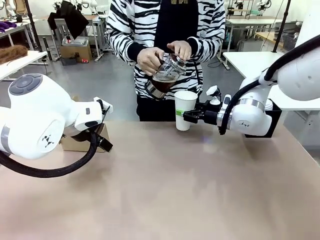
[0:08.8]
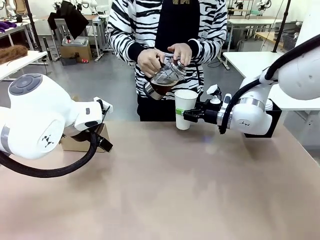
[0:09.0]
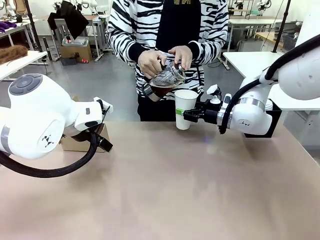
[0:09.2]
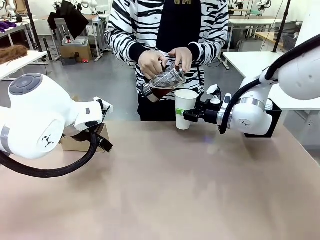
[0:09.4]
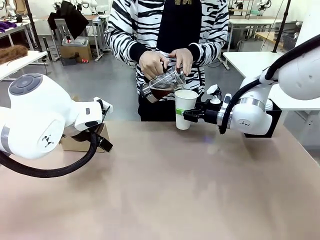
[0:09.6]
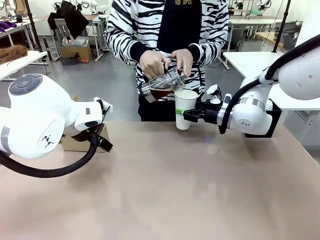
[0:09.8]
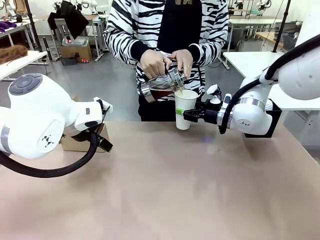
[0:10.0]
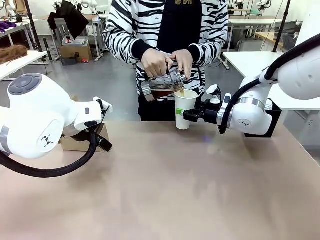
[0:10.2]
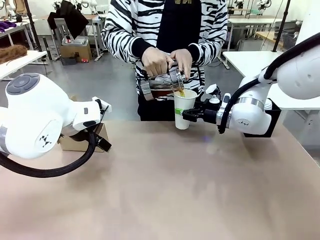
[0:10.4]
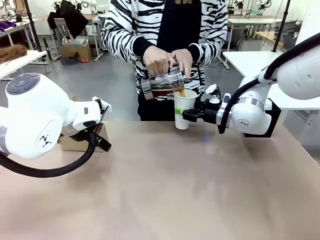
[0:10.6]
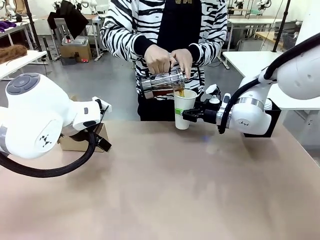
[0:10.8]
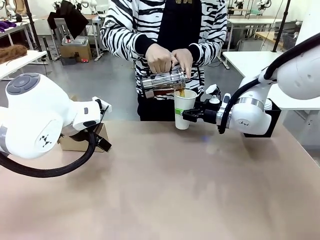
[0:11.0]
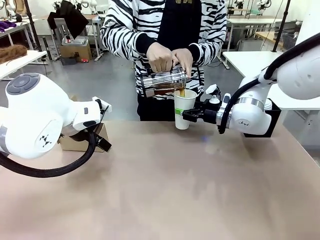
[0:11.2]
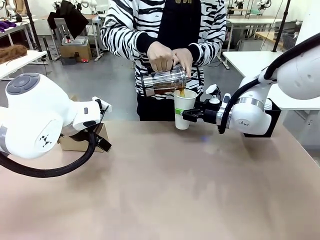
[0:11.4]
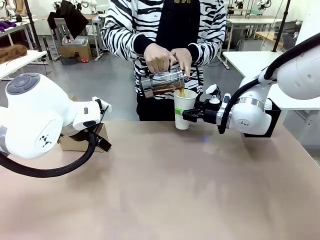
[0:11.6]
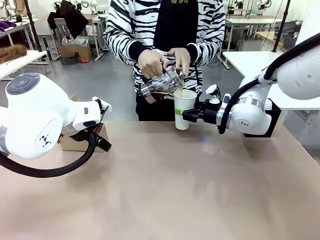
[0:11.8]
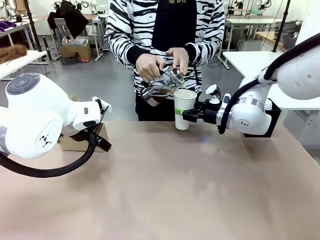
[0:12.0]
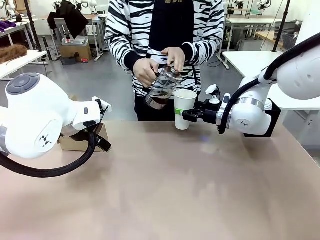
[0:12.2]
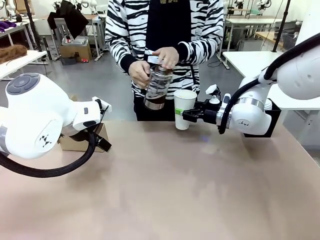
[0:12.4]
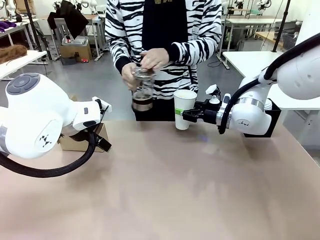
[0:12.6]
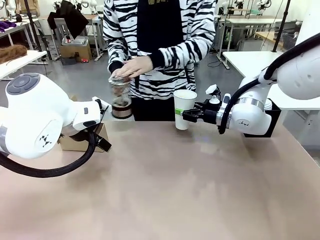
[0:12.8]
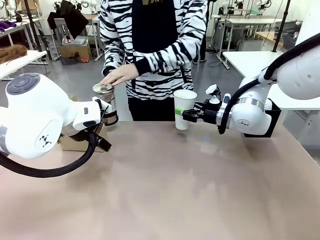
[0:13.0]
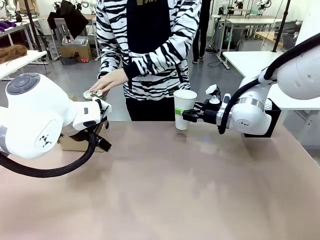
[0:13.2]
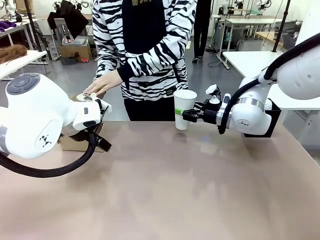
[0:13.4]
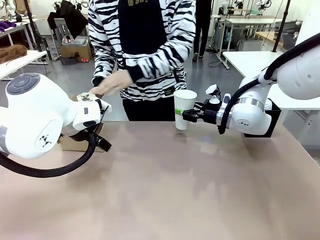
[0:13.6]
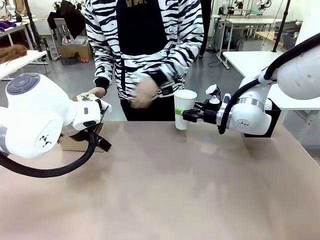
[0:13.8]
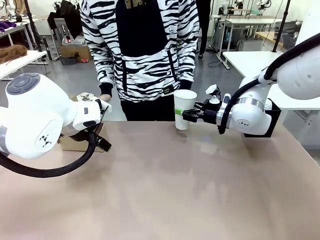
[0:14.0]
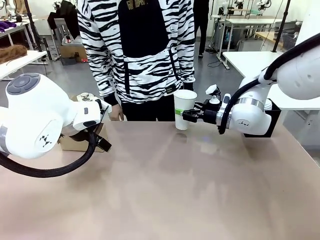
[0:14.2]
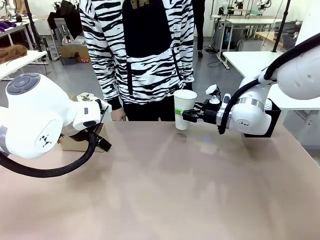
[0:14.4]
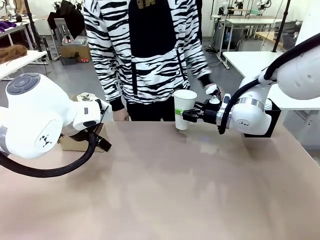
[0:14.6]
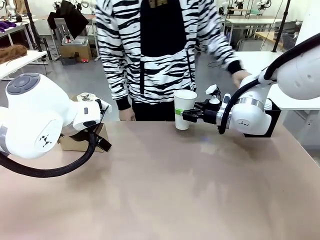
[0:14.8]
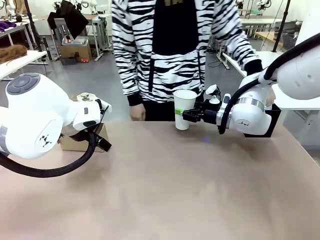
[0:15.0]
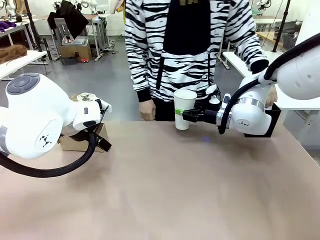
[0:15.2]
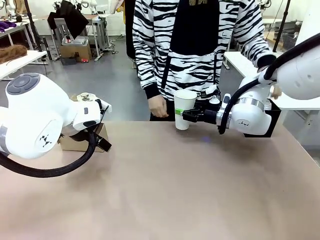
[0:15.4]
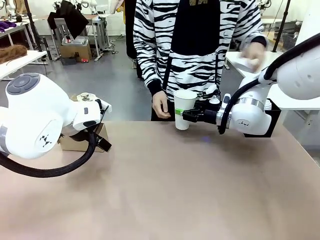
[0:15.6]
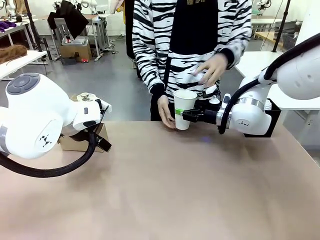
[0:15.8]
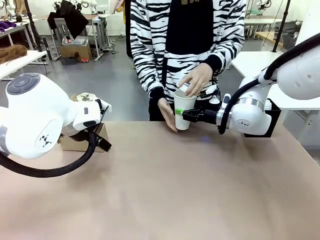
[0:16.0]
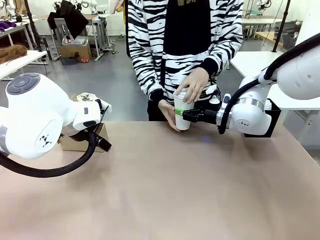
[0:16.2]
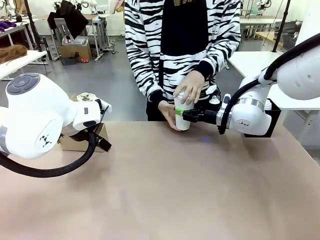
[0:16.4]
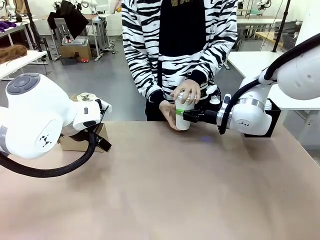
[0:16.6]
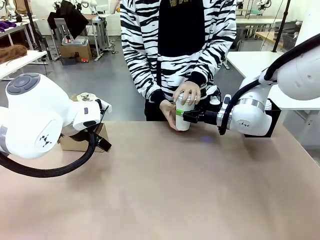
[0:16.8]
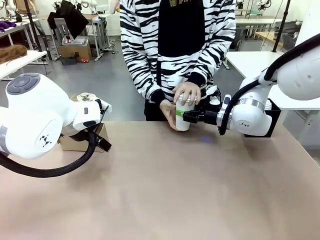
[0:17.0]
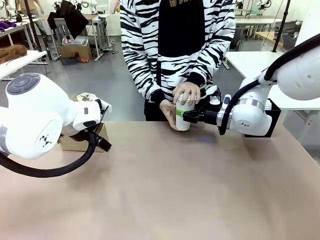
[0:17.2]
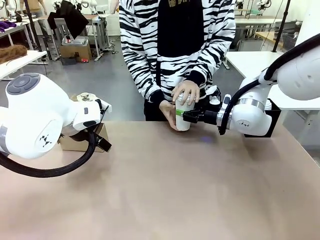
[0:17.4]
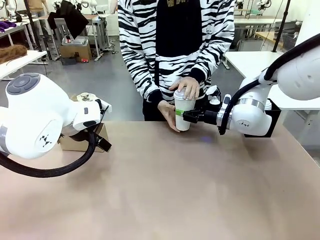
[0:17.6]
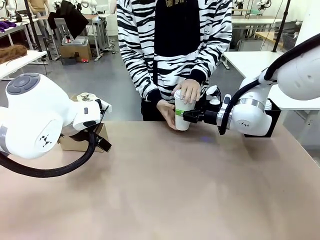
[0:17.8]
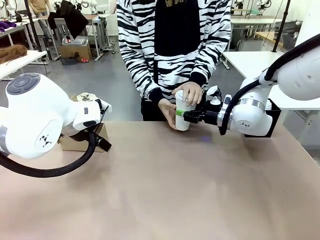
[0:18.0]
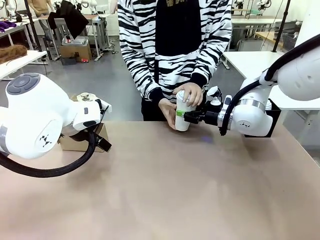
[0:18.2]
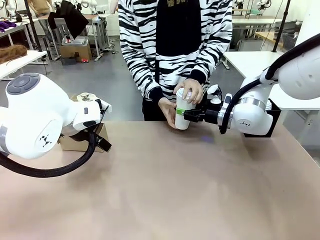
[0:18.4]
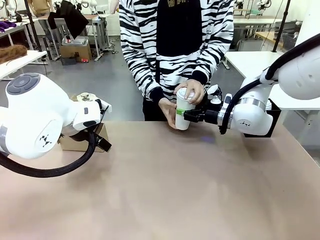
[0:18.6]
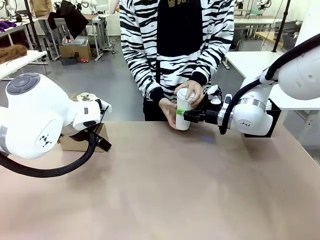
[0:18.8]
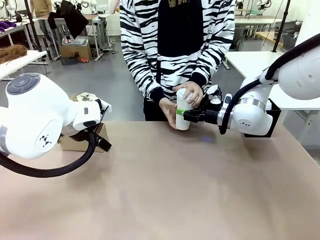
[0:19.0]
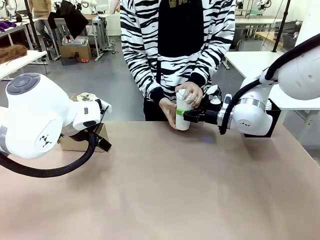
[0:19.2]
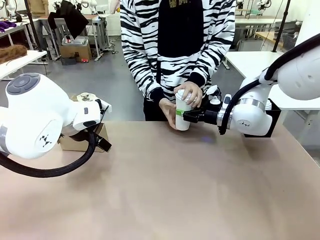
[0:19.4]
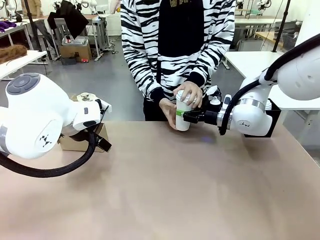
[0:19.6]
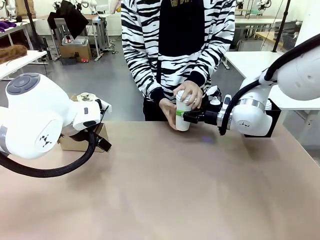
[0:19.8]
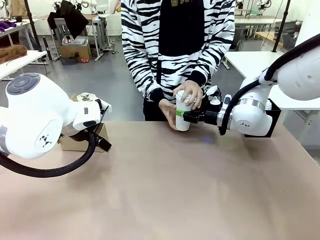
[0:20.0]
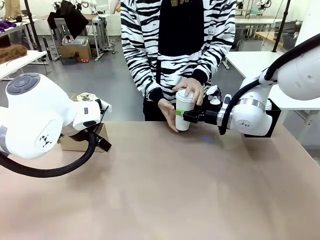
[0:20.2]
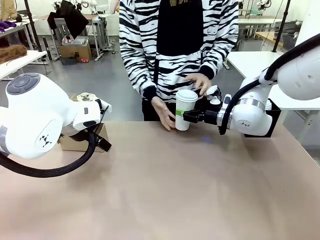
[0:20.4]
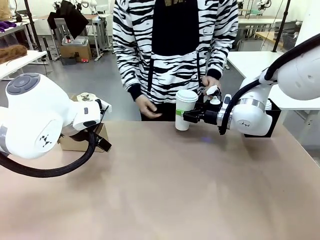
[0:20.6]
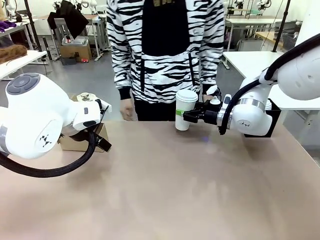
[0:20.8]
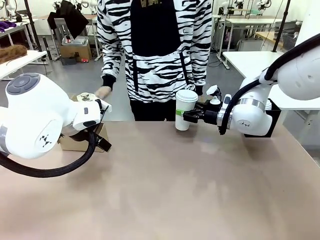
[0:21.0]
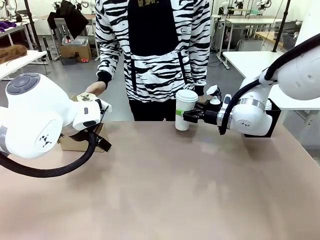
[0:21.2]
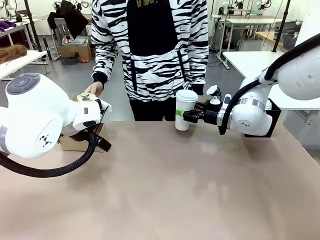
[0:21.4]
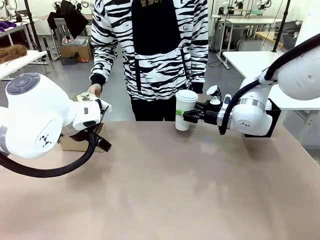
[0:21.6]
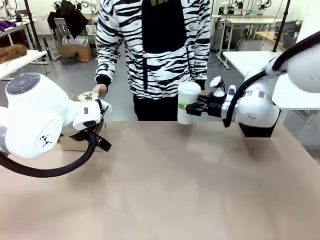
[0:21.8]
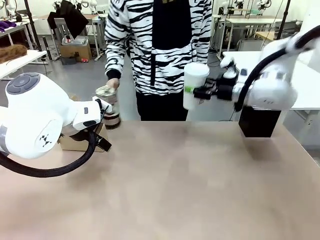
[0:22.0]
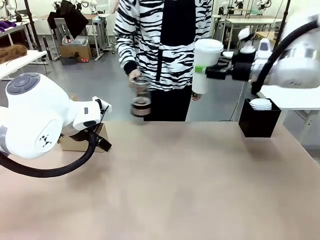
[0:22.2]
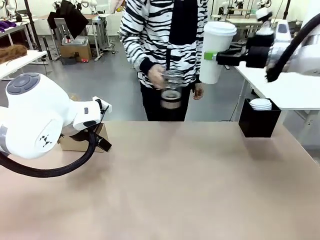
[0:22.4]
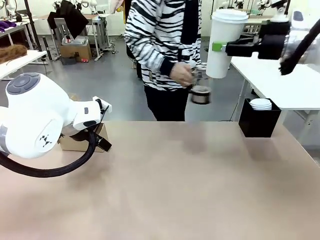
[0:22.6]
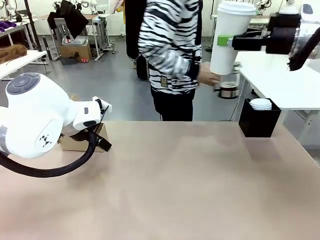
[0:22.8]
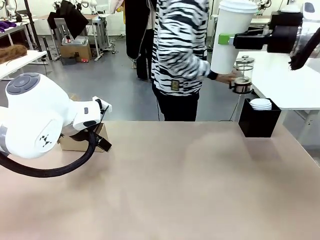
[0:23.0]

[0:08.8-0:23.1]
Task: Pour a drink into a cup and package it in a carrier.
Robot: When a person places the Paper Cup Lid on the 600 ml Paper Cup , lift the 600 ml Paper Cup.
Person: Pour the drink from the Filter Brewing into the 600 ml Paper Cup. Place a Paper Cup Lid on the 600 ml Paper Cup.

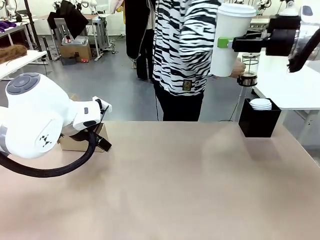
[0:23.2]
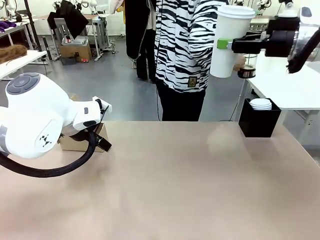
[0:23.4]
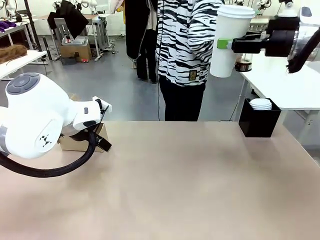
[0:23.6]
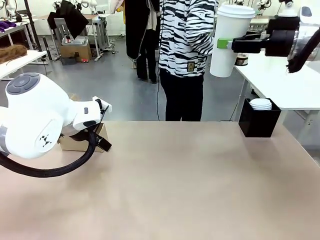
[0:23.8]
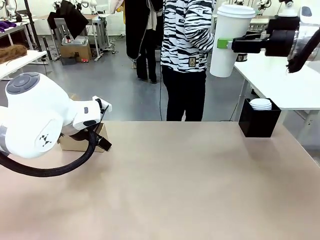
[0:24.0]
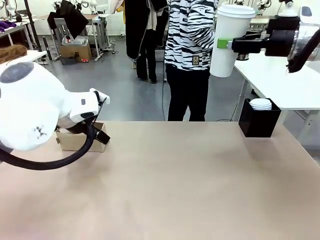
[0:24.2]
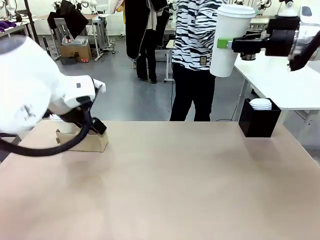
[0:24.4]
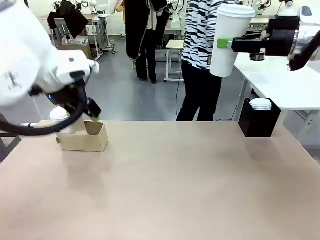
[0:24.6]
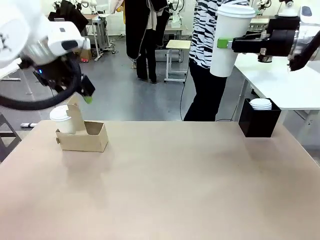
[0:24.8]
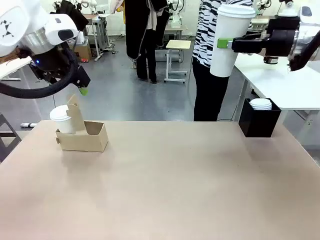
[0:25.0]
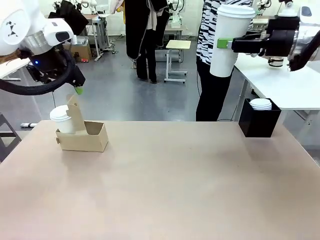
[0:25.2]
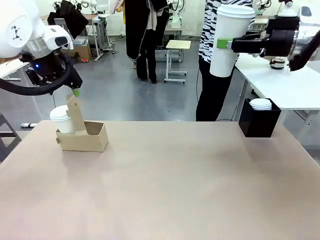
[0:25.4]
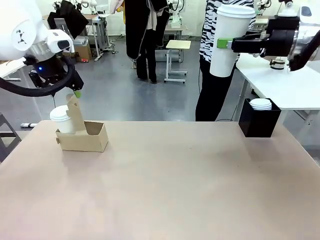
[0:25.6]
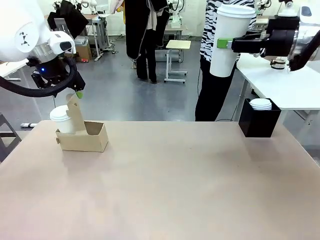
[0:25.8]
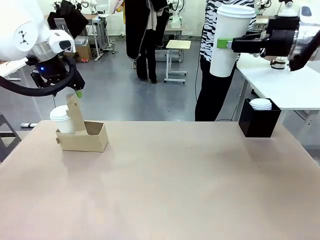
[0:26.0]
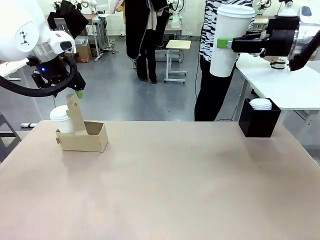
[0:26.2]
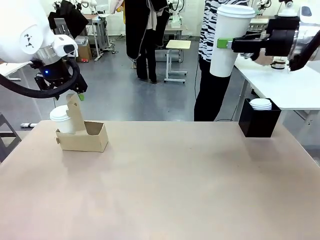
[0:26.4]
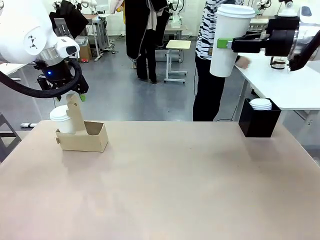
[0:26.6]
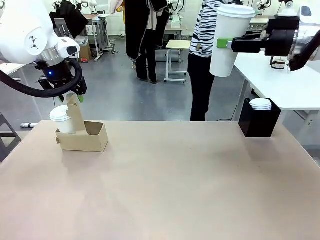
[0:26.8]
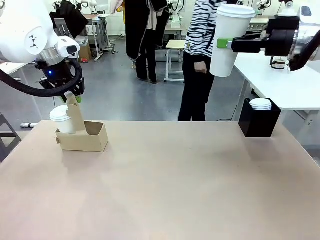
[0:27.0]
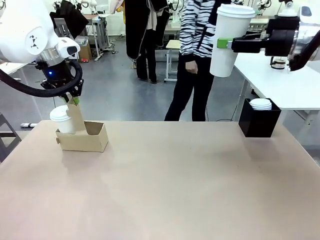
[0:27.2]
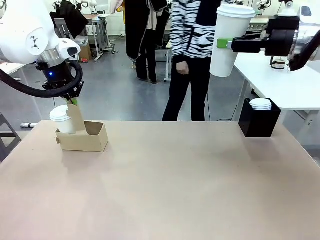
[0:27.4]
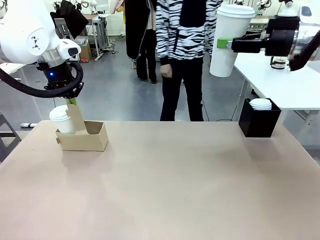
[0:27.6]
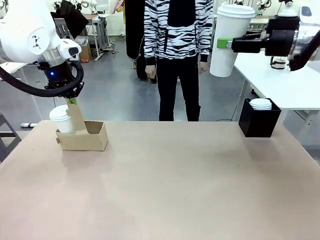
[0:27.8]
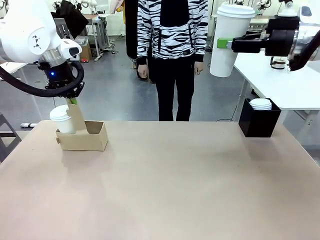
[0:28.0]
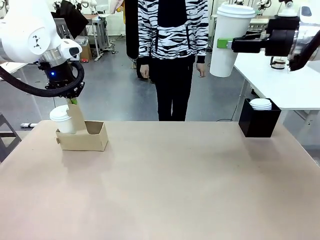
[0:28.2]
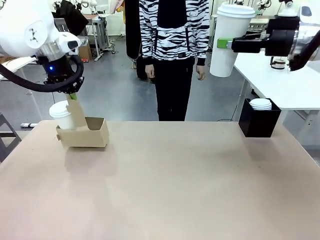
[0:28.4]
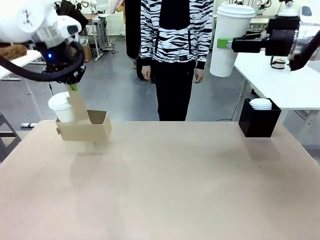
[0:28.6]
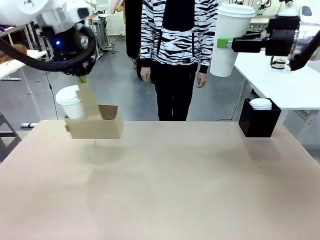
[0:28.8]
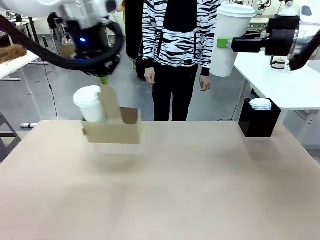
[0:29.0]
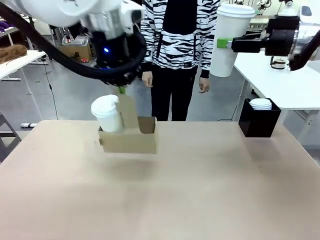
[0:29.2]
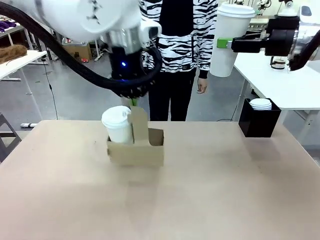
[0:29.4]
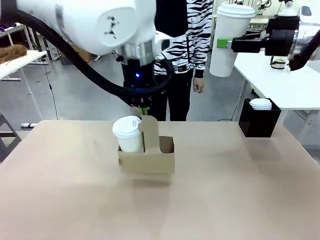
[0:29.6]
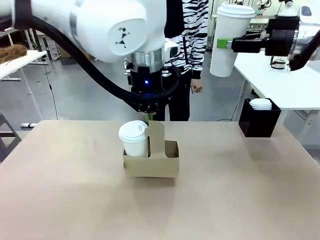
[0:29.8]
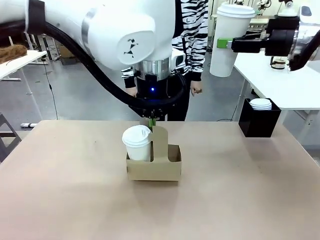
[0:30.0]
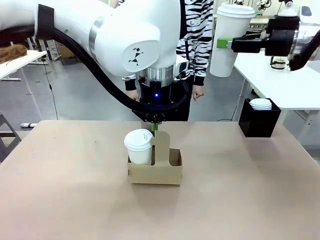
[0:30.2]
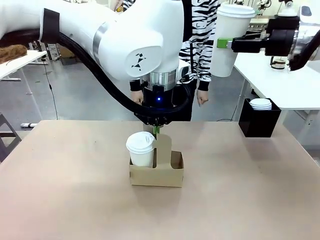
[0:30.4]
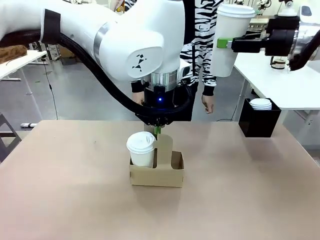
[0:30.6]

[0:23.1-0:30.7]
Robot: Position the Cup Carrier in the center of the table.
Person: Pick up the Filter Brewing and place on the middle of Human table, and return to the Robot table.
